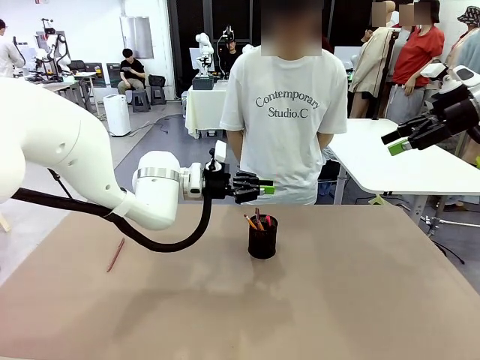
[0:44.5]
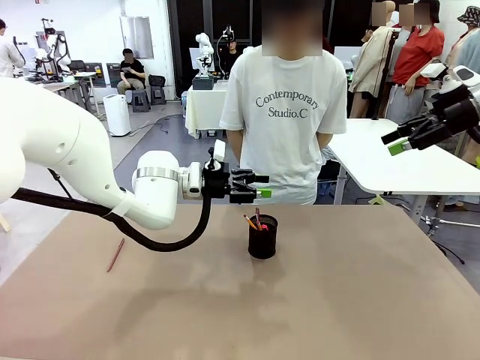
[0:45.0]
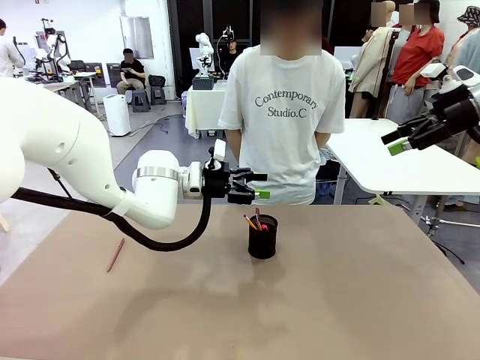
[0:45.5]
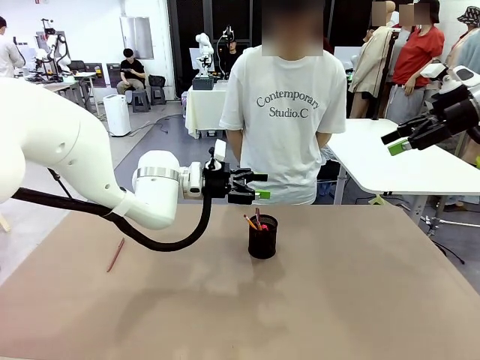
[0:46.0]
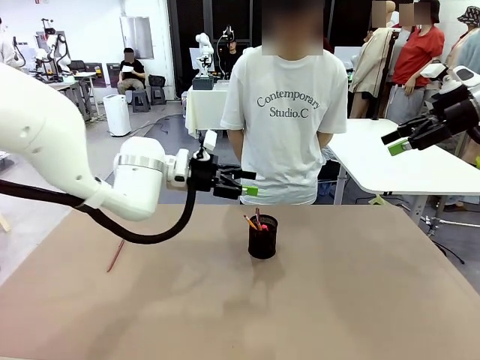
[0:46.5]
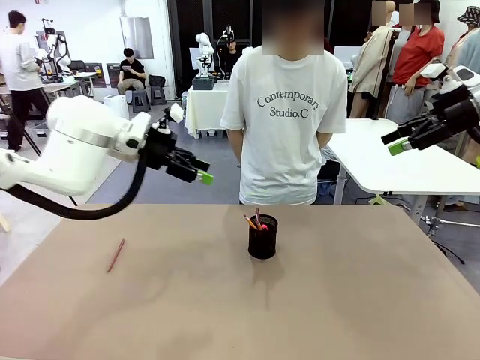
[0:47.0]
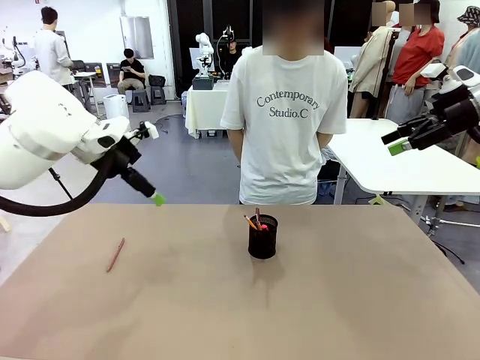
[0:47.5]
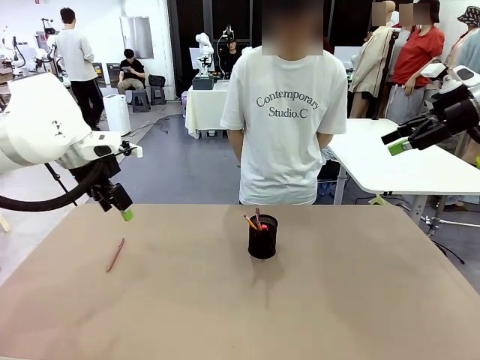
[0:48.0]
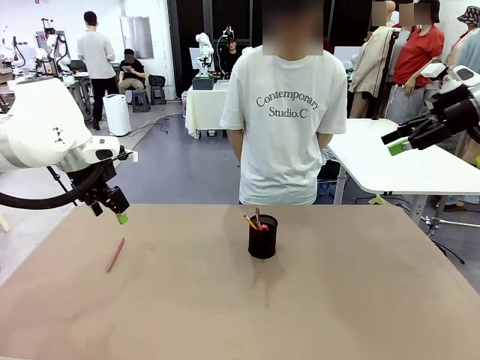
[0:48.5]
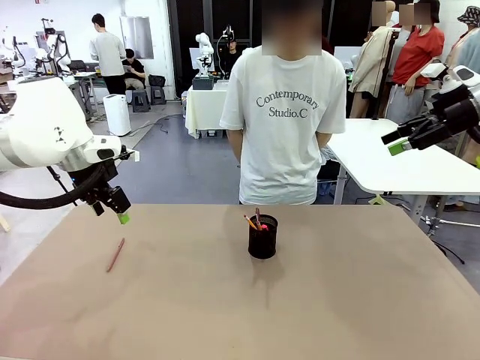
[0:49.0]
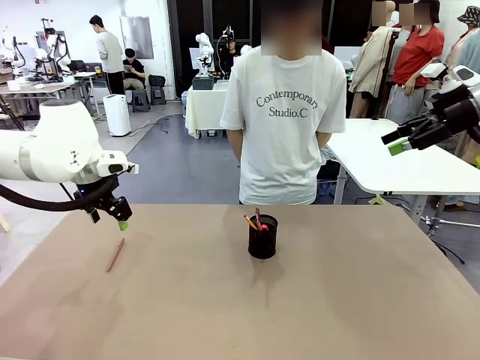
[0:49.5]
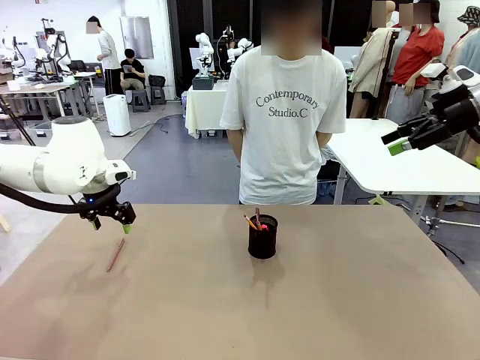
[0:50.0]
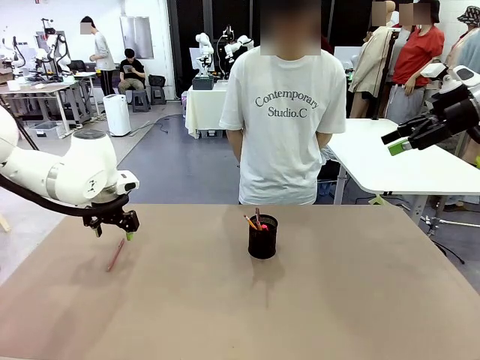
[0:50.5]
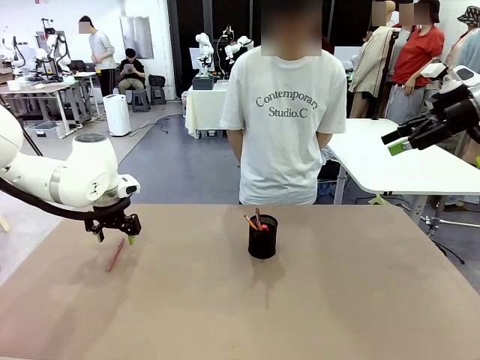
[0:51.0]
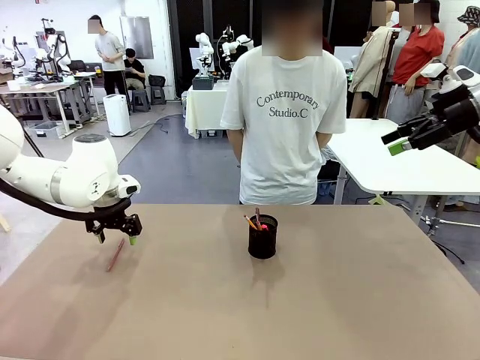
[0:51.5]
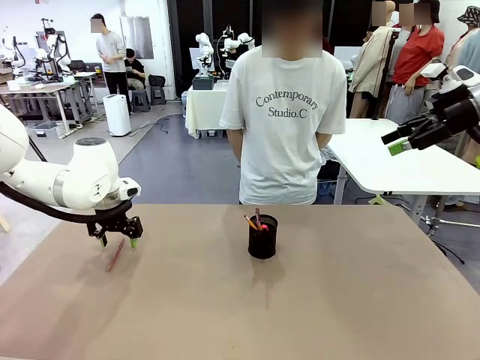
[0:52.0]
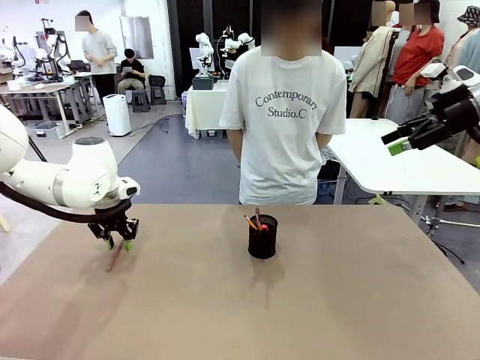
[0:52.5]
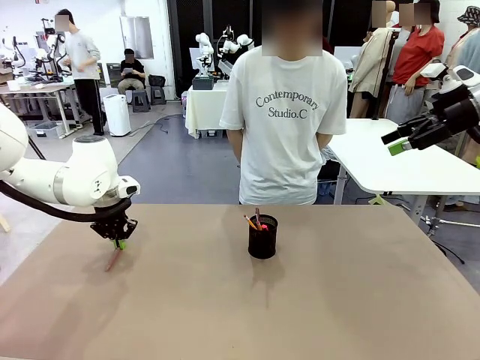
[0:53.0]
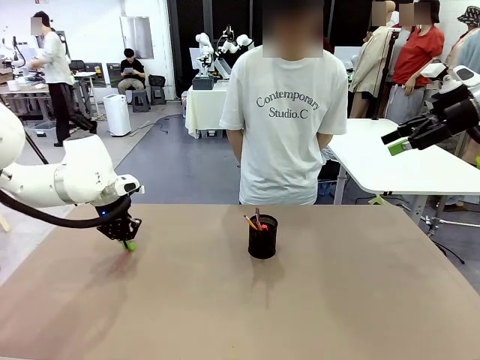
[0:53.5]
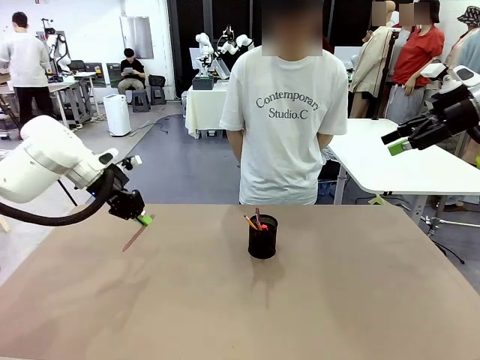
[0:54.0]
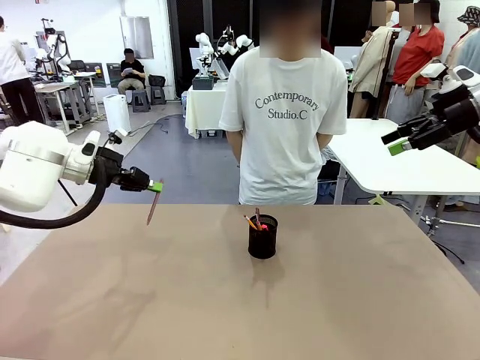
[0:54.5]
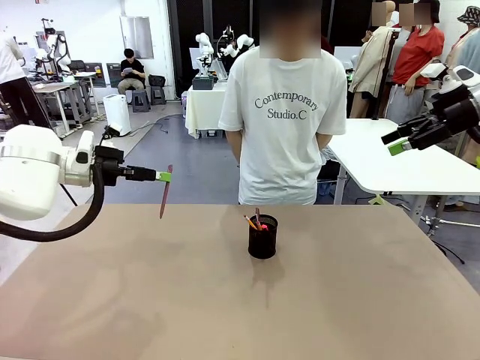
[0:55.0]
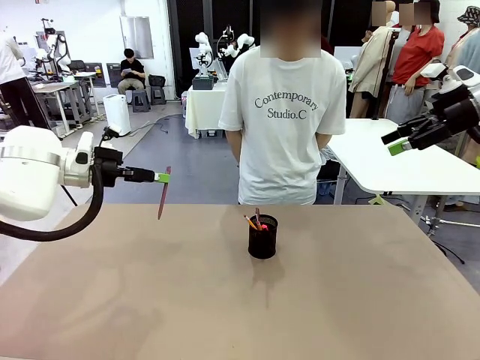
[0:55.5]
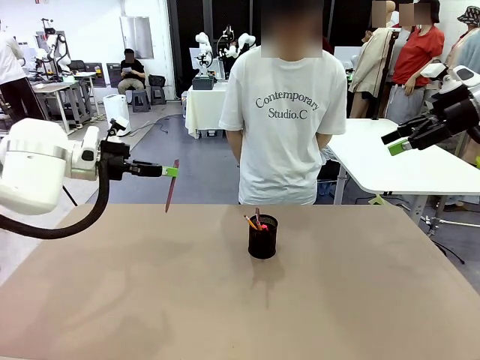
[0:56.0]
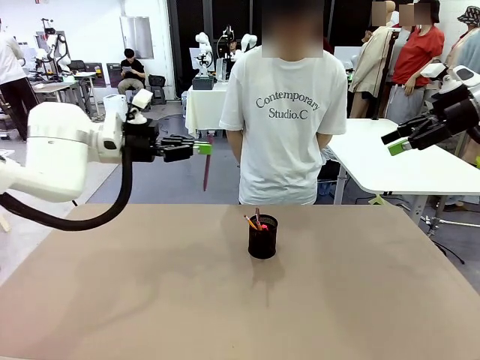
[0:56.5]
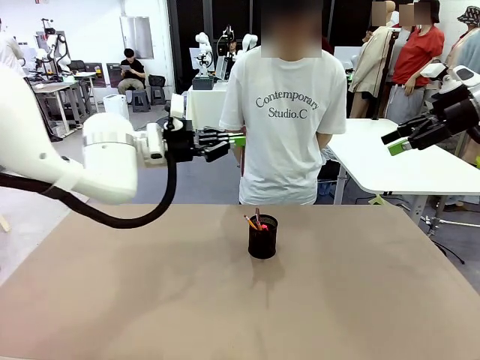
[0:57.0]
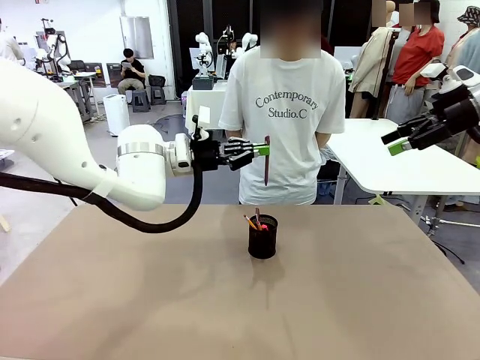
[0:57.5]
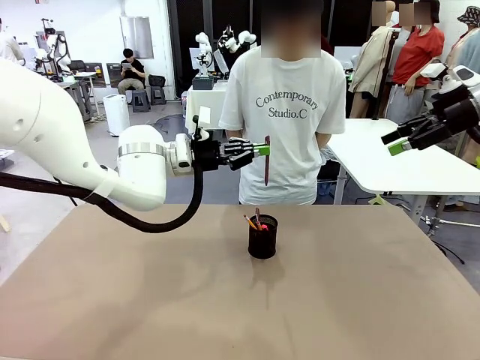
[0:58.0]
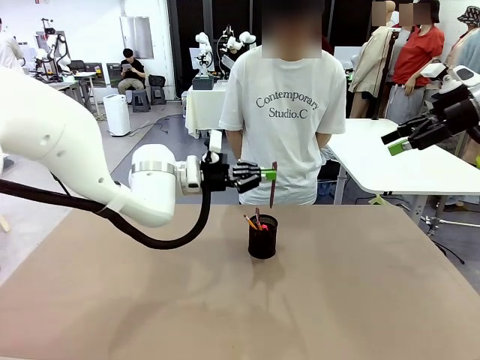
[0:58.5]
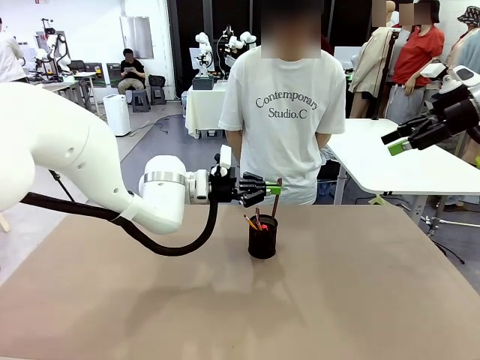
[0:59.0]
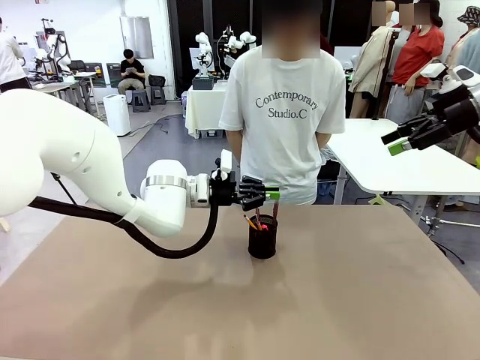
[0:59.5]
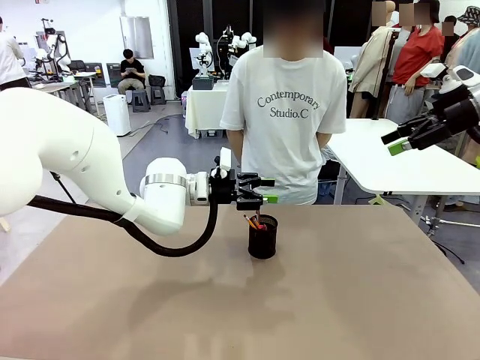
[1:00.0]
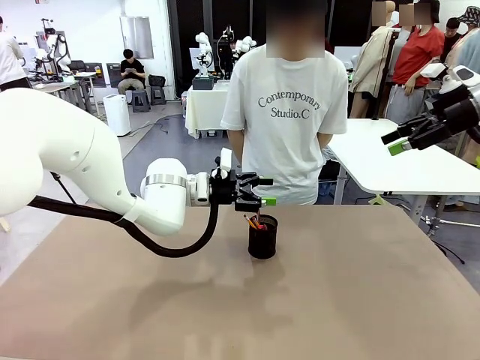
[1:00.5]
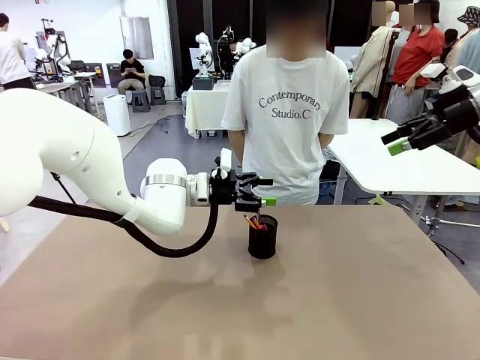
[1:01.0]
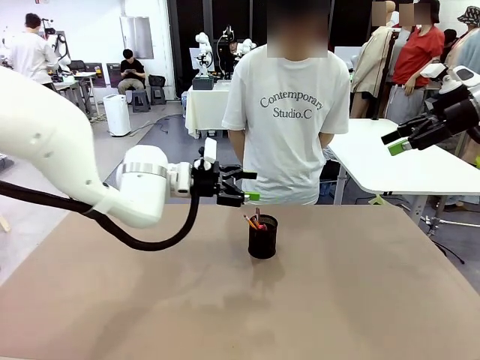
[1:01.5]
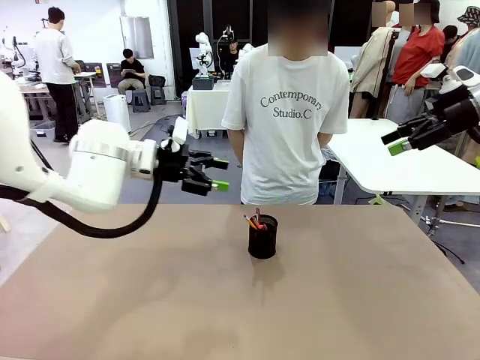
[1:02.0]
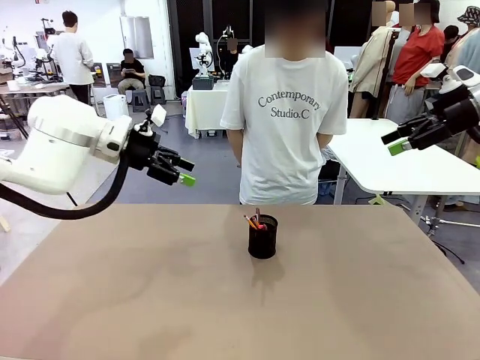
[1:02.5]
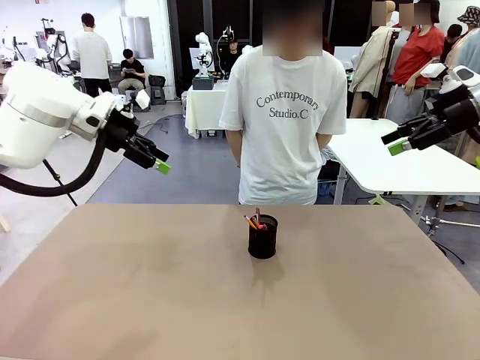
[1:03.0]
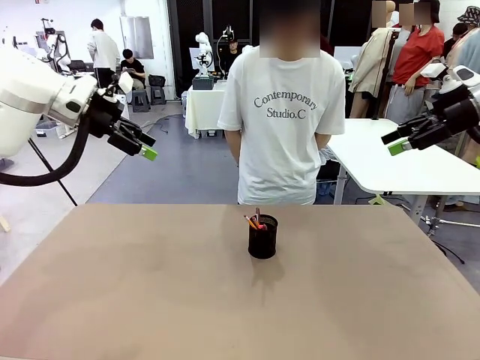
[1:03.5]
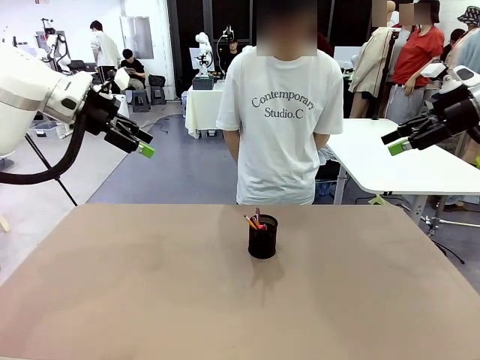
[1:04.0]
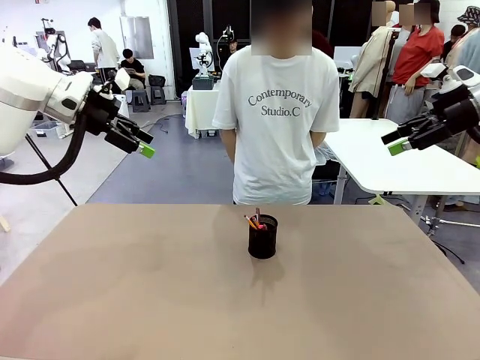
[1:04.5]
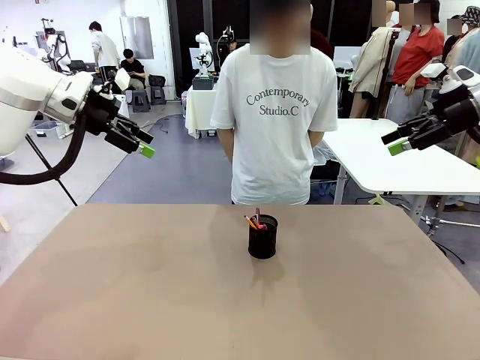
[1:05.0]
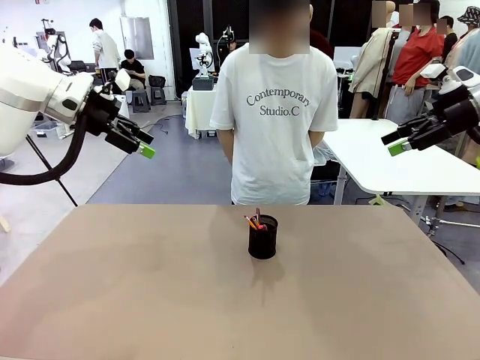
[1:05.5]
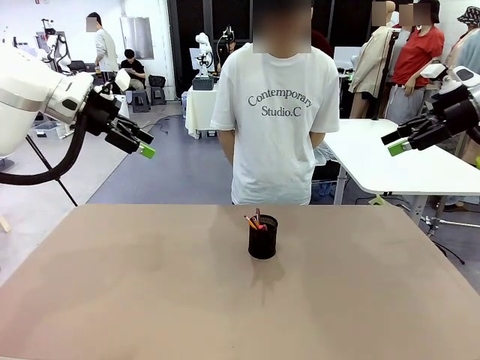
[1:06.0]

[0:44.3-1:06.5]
Task: Place the pens into the pen holder.
Robot: Pick up a writing instrument from the table and place it into the Pen holder.

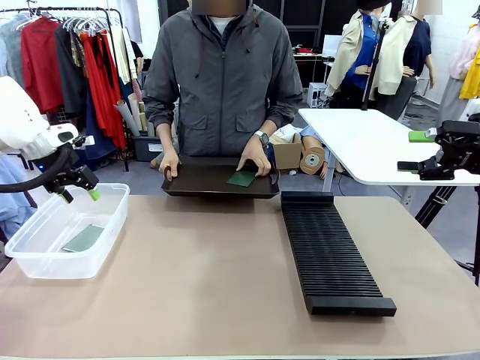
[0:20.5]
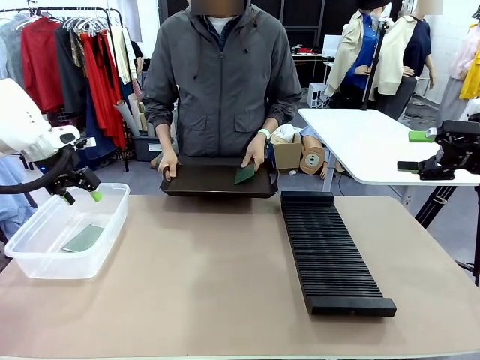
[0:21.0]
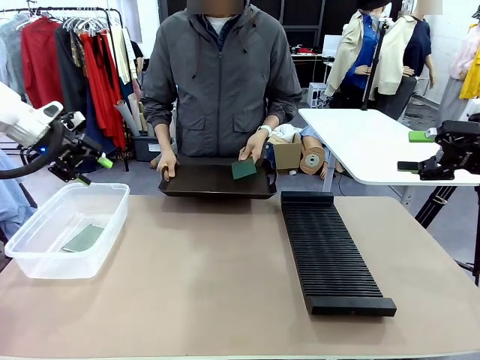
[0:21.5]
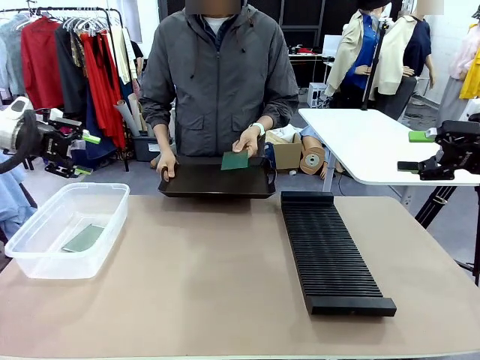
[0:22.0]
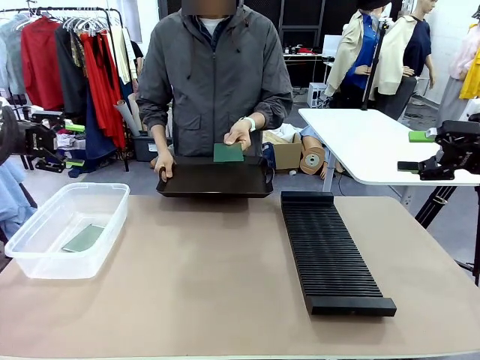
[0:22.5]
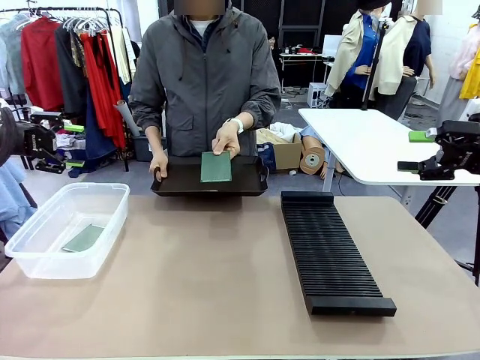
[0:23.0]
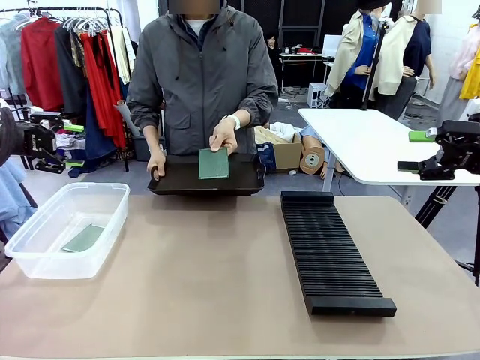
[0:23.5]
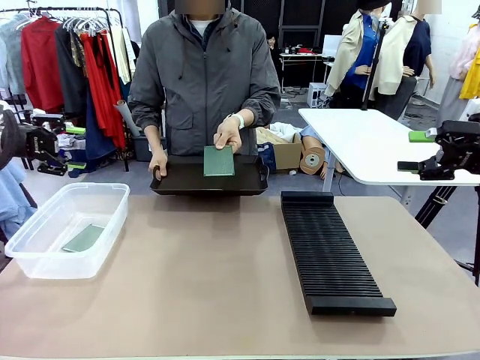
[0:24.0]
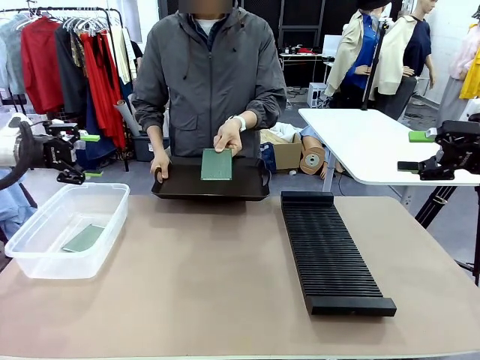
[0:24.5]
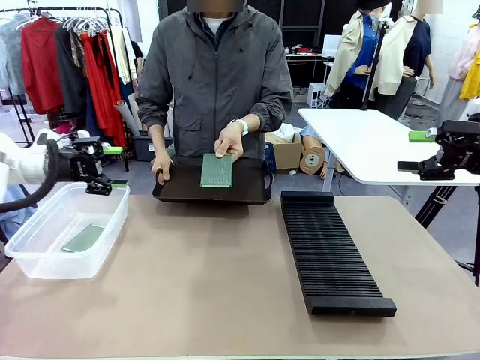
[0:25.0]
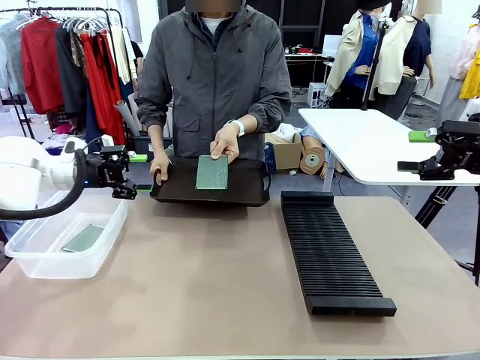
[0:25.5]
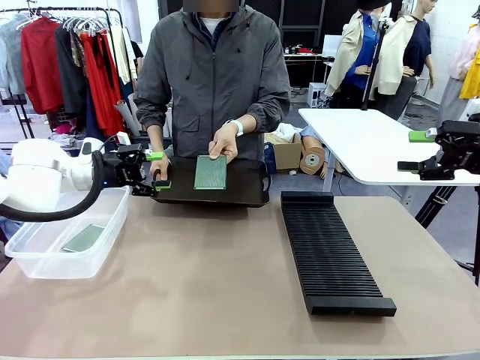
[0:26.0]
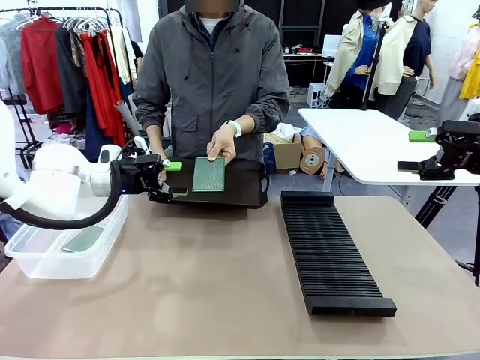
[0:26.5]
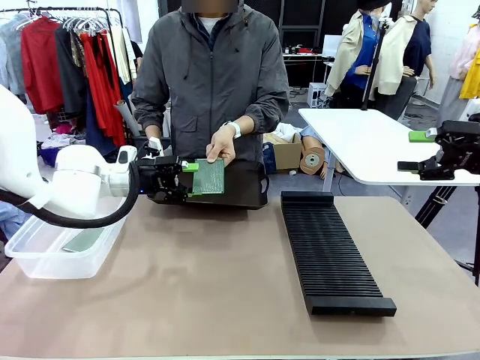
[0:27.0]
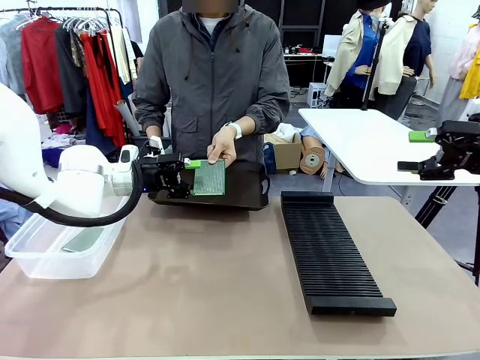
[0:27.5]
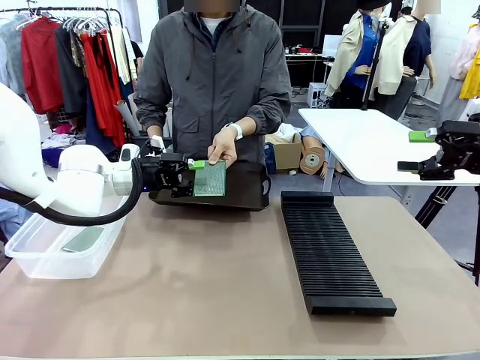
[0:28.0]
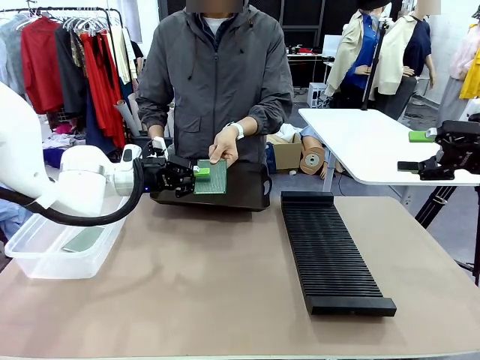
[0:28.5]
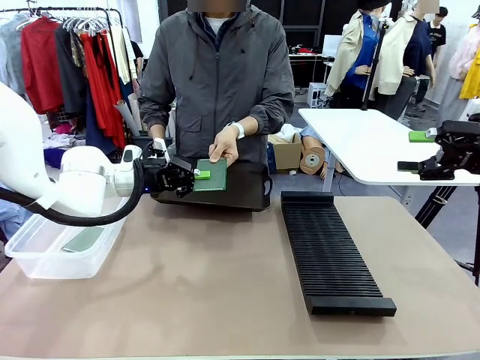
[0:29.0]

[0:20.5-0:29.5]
Task: Sort PCBs into racks and boxes based on the side picked up.
Robot: Pick up the Blank PCB handed by the Human.
